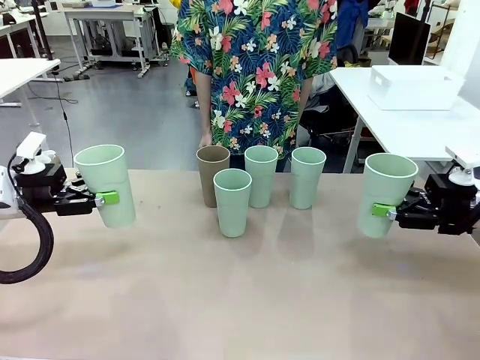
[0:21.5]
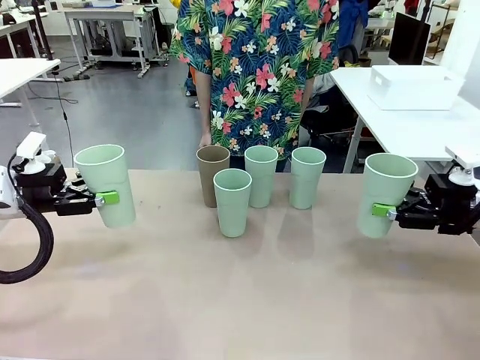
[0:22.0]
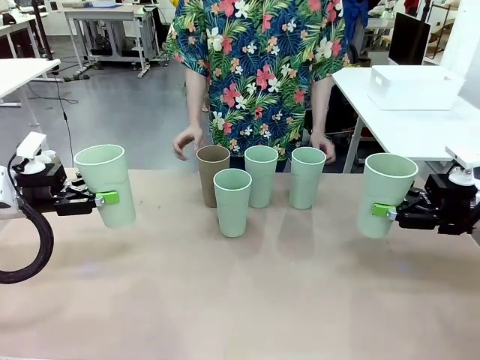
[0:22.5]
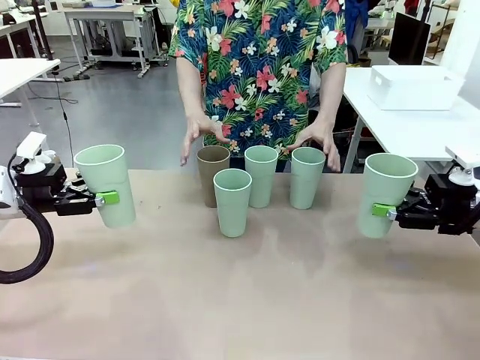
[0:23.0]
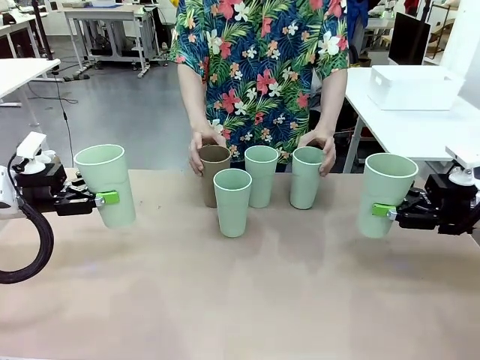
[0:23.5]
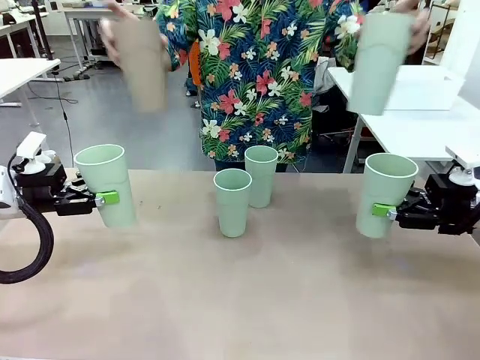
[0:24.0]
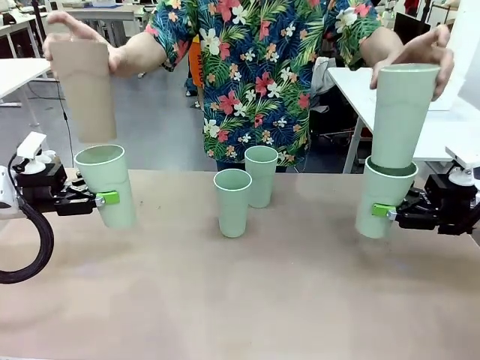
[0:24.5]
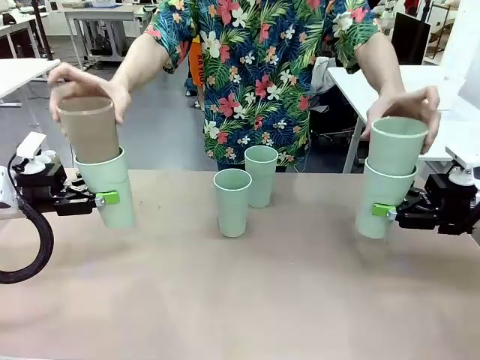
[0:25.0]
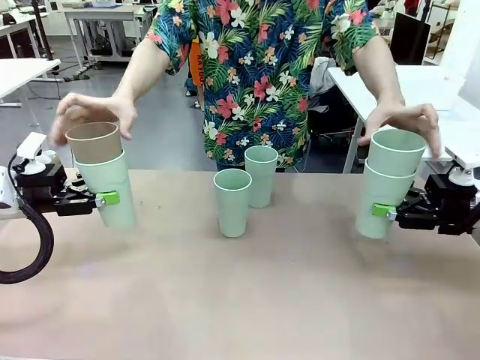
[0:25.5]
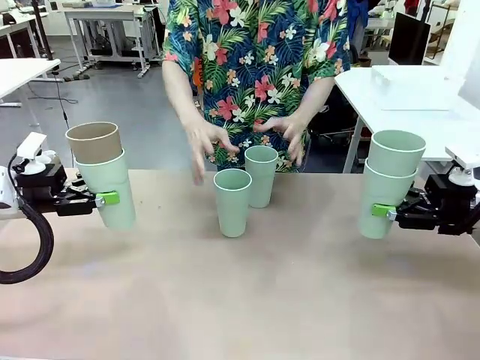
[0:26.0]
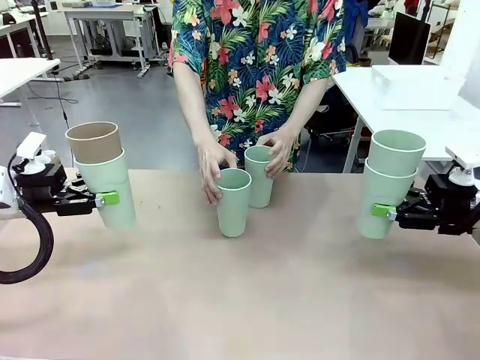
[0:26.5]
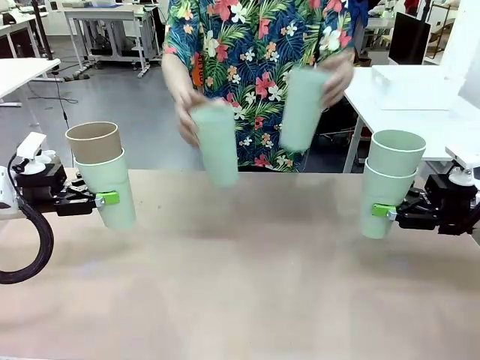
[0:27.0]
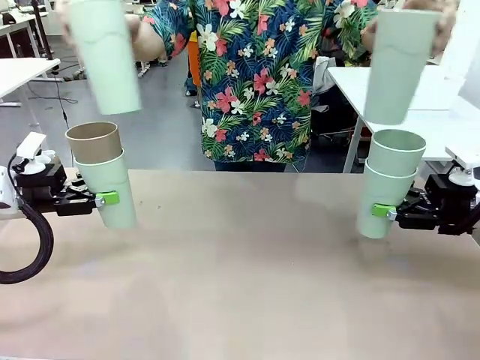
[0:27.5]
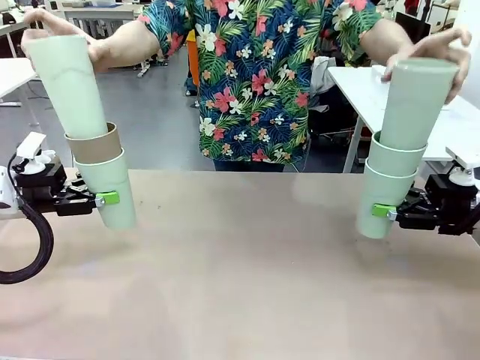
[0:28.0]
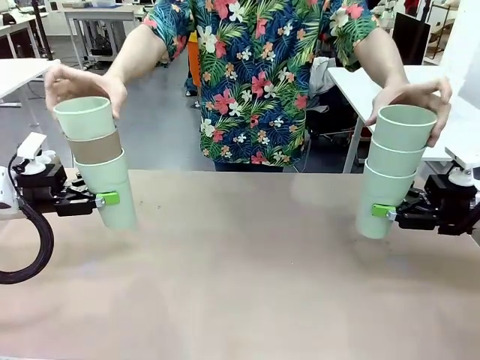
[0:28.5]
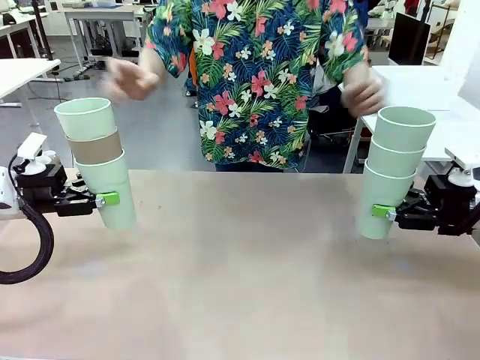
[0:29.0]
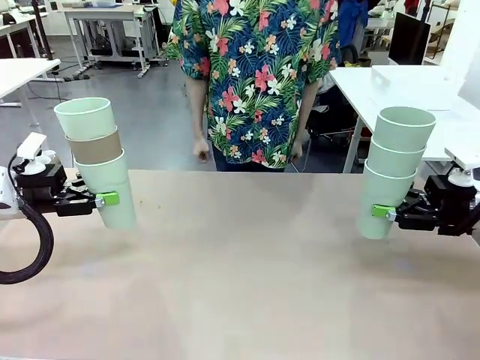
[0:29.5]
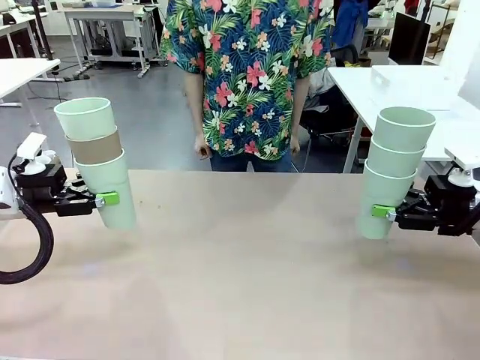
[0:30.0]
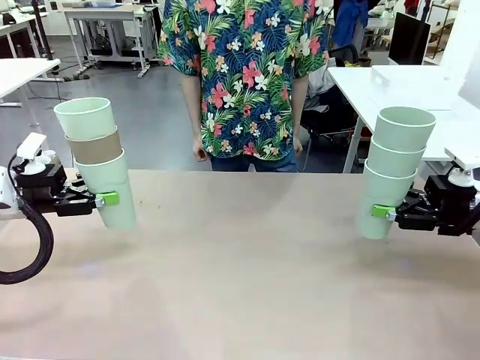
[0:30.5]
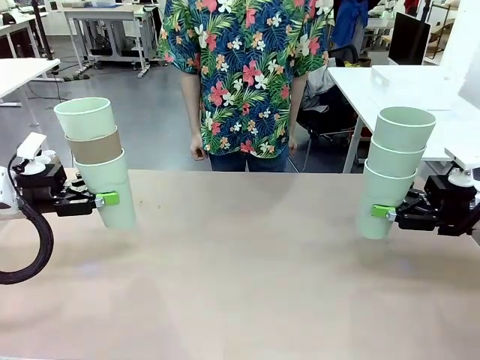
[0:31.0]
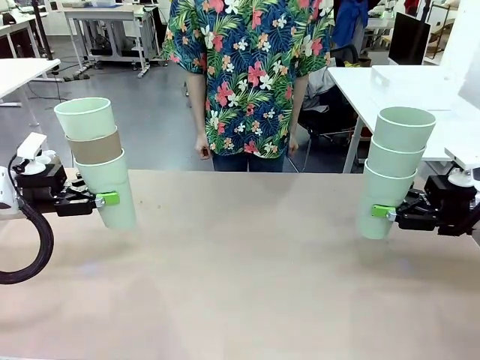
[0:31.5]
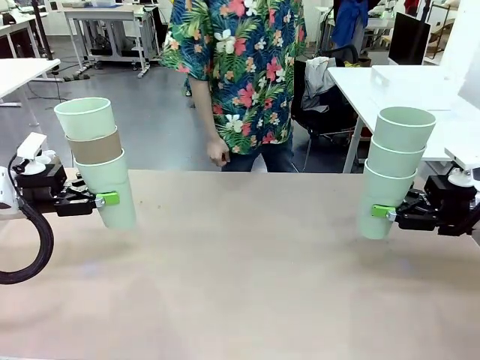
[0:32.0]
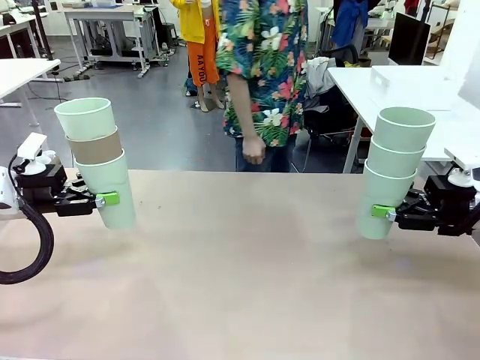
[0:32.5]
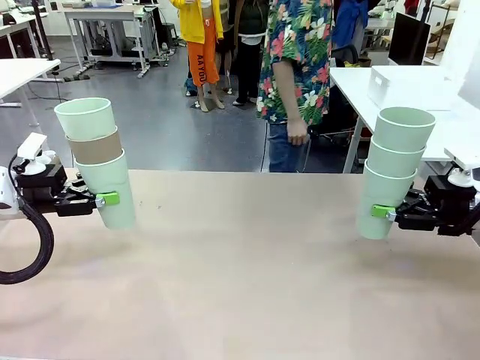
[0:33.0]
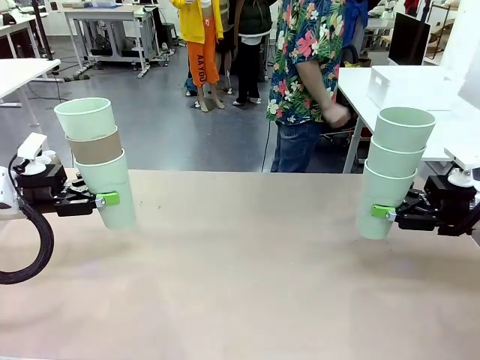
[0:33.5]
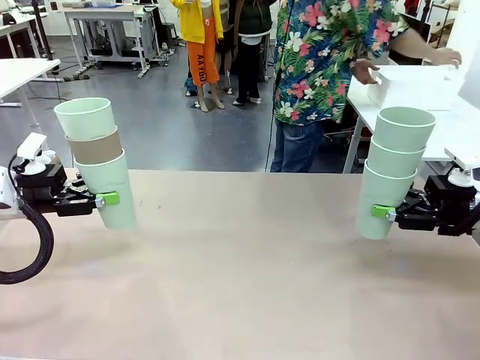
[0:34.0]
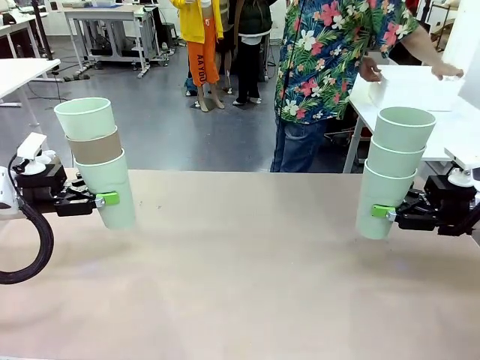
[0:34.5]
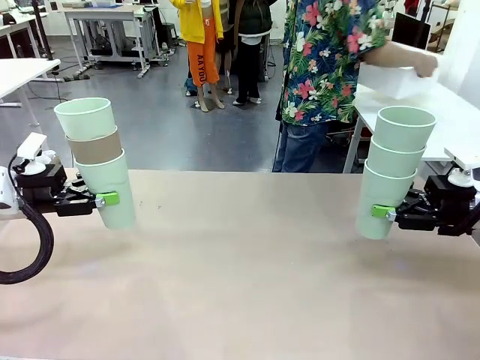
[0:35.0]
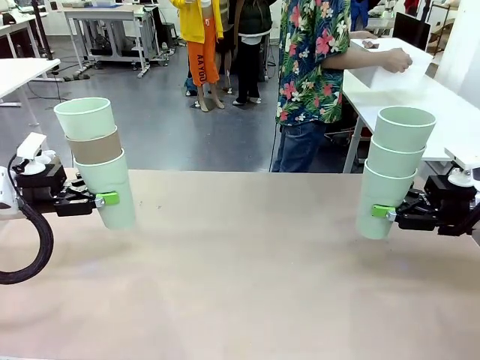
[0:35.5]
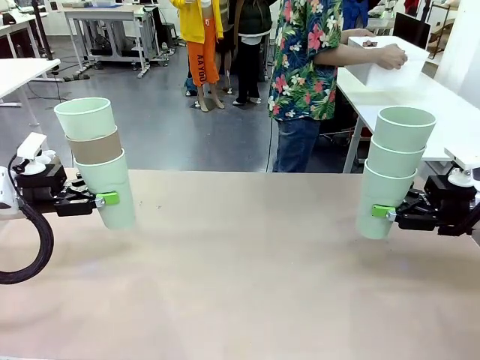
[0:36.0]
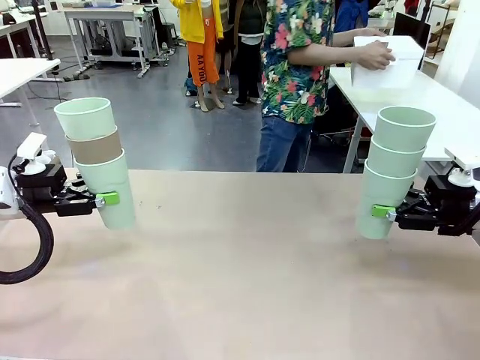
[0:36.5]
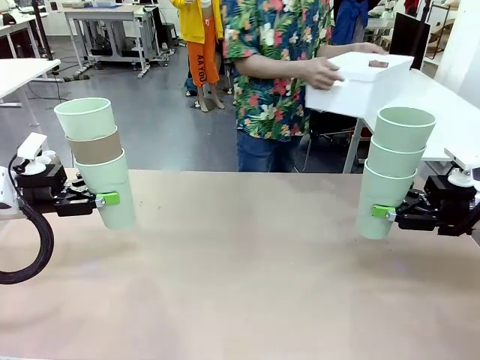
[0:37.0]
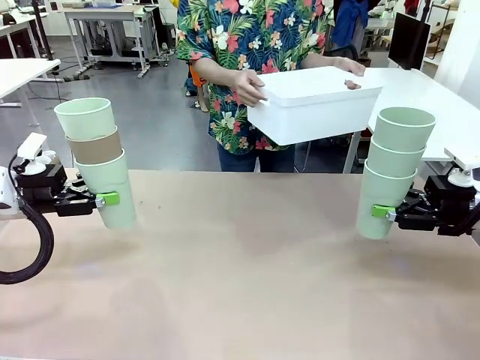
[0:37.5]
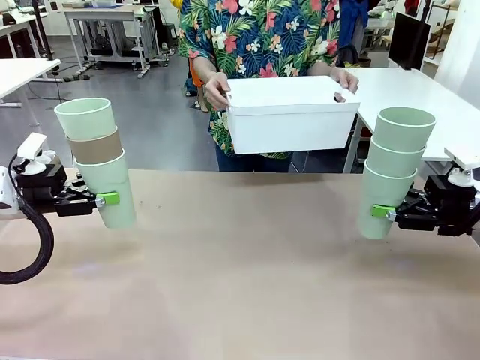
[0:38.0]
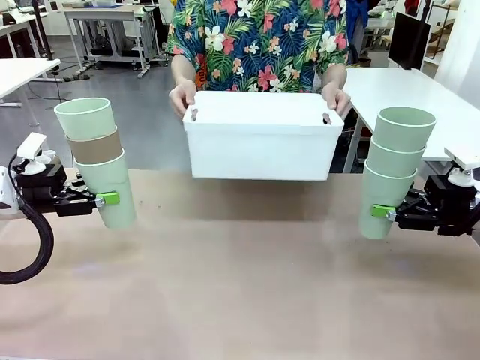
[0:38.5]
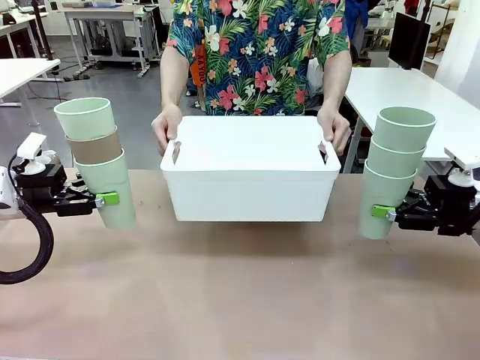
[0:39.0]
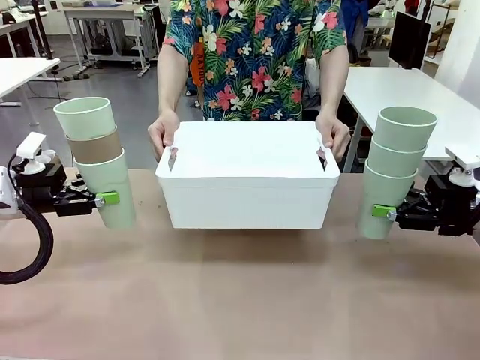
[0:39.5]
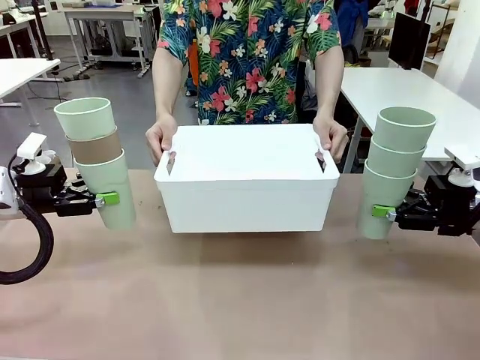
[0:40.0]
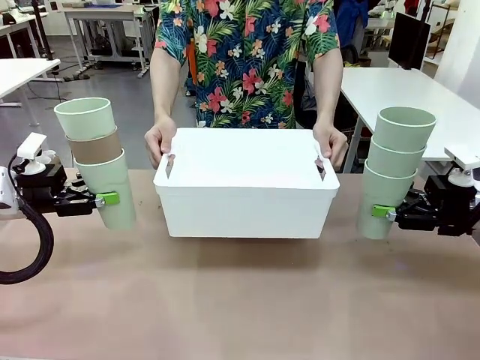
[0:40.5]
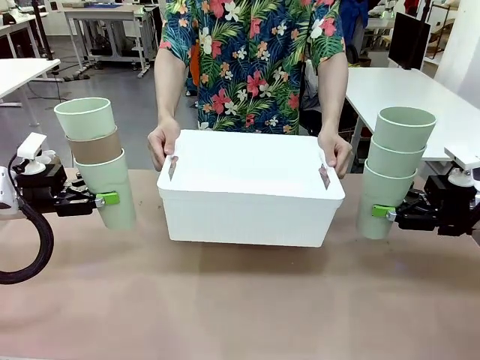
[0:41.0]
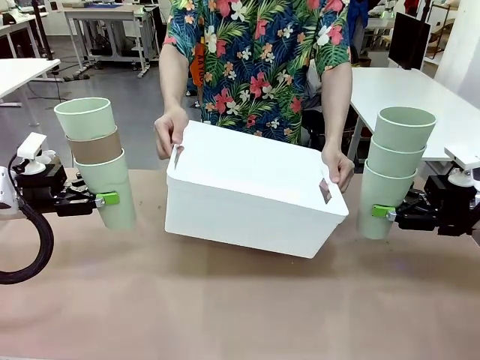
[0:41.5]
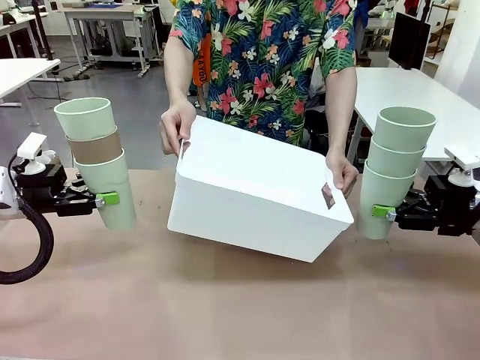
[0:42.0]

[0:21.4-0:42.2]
Task: Stack the cups and store them in the basket.
Robot: Place the stack of Reusable plastic cups into the Pantry Basket.
Person: Pick up the basket from the Human Table, bring it to the front of the robot, and present it.

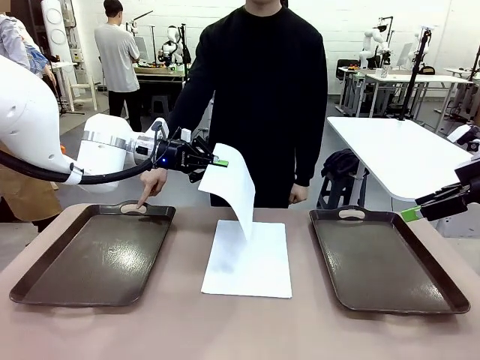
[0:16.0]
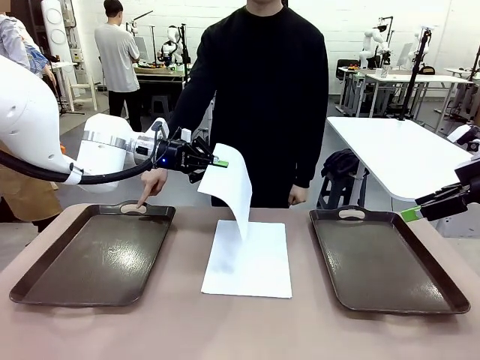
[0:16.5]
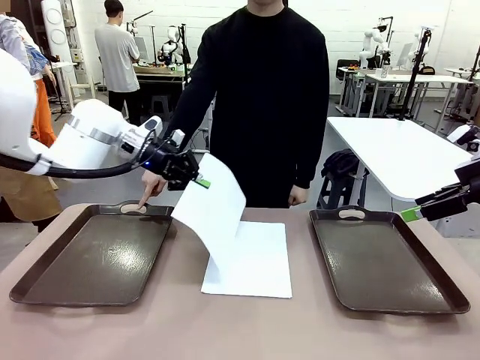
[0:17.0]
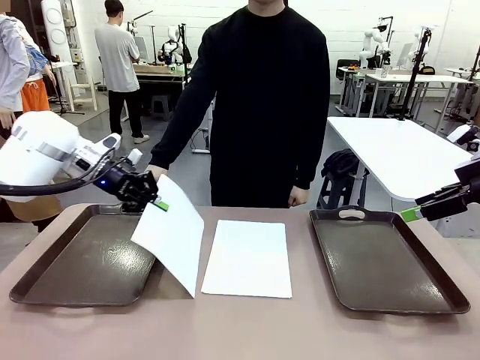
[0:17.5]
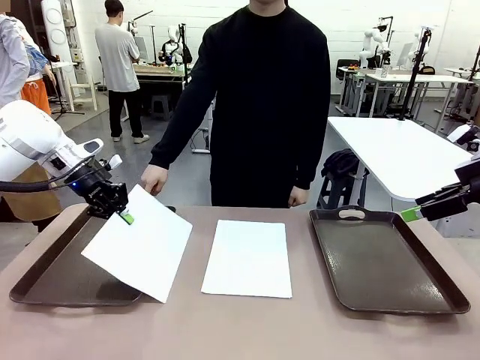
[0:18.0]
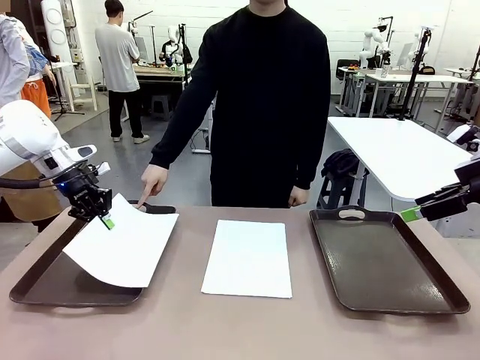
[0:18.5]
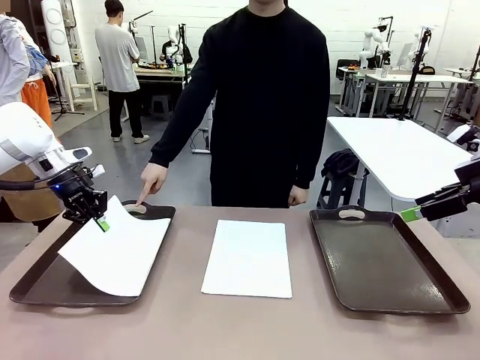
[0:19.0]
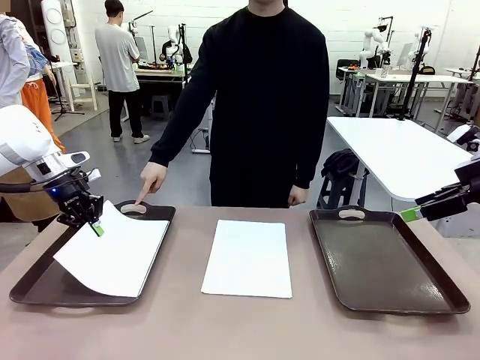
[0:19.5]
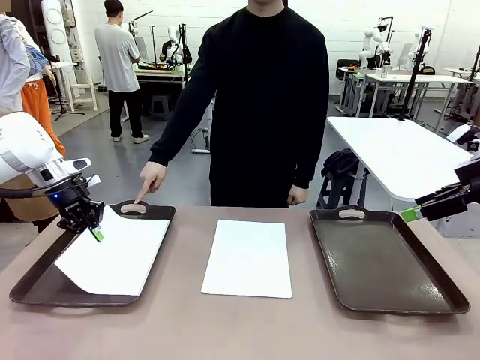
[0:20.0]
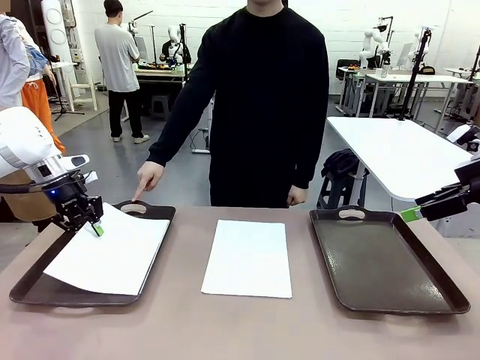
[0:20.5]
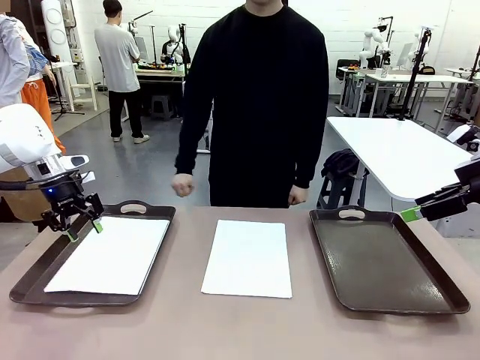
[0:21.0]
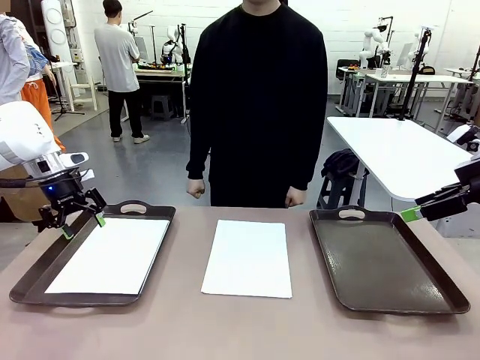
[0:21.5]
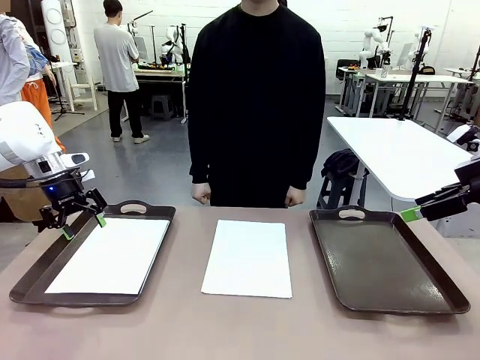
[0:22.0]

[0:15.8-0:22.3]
Task: Sort the A4 documents.
Robot: Place the A4 Paper in the designated Handle tray.
